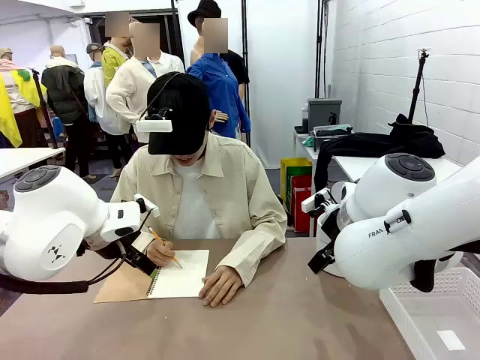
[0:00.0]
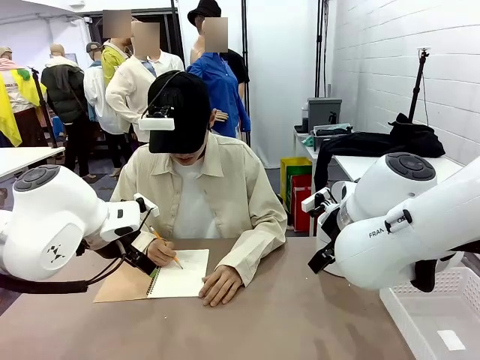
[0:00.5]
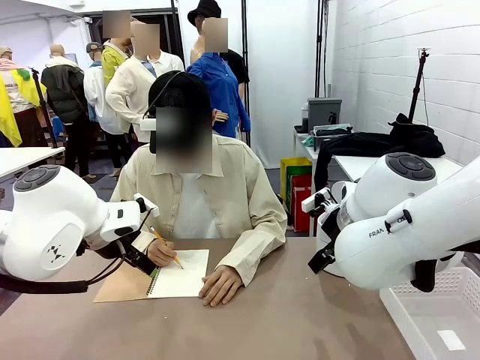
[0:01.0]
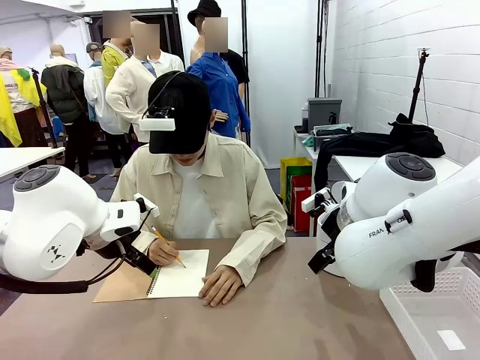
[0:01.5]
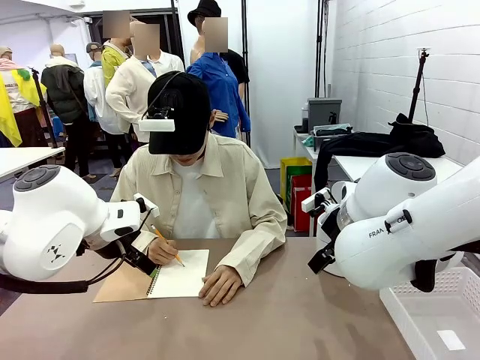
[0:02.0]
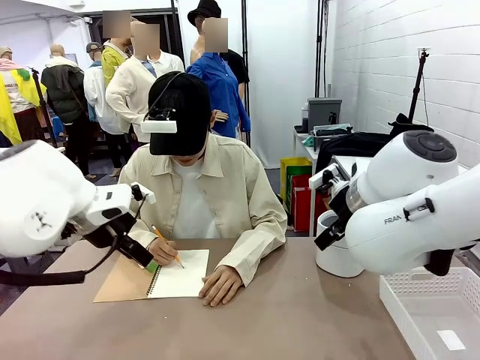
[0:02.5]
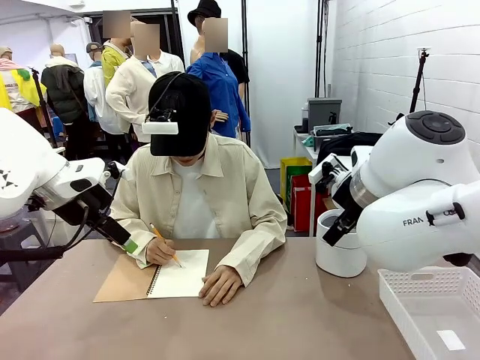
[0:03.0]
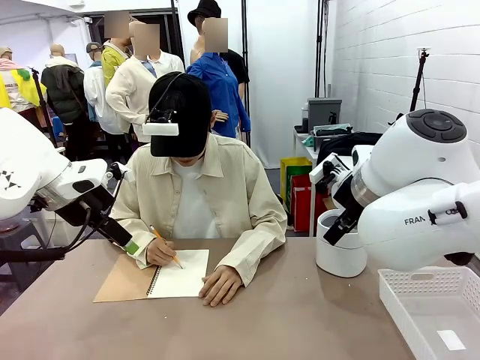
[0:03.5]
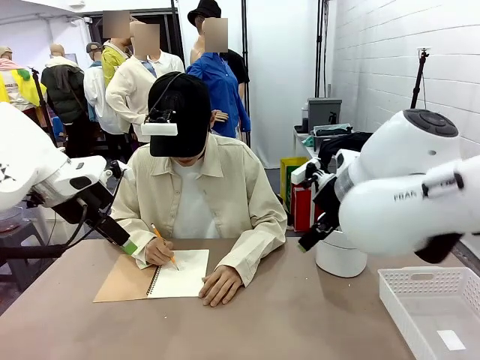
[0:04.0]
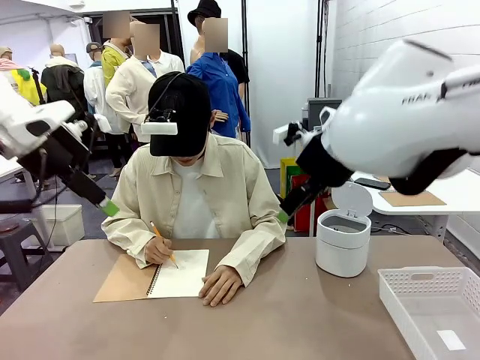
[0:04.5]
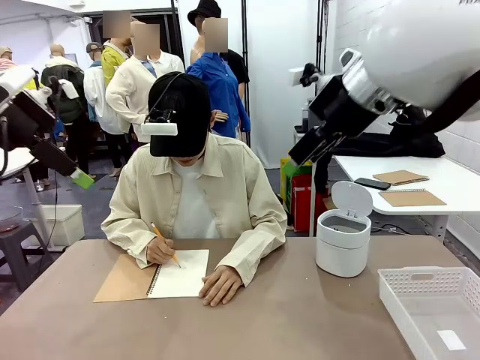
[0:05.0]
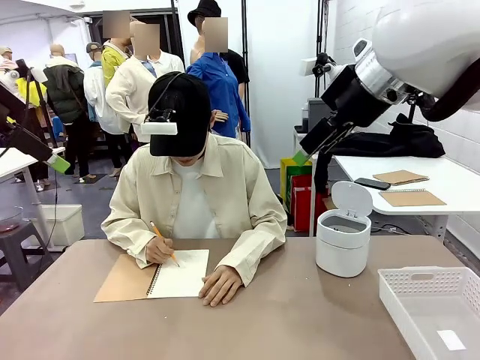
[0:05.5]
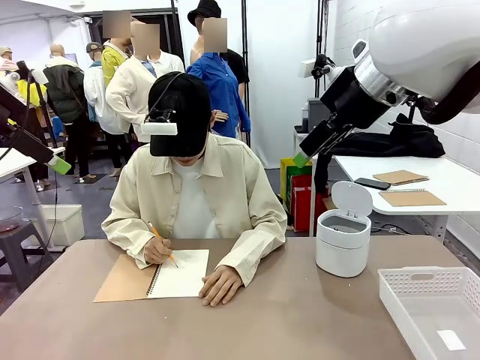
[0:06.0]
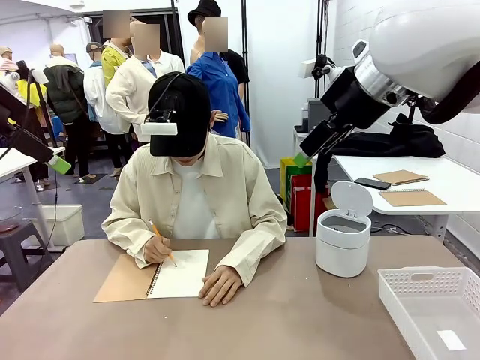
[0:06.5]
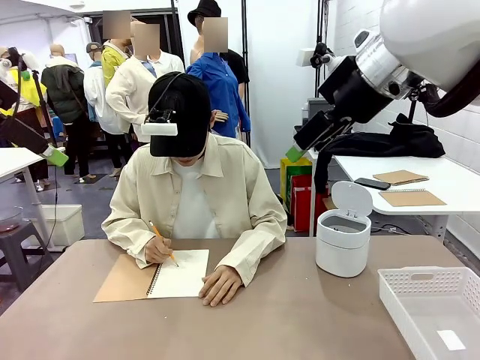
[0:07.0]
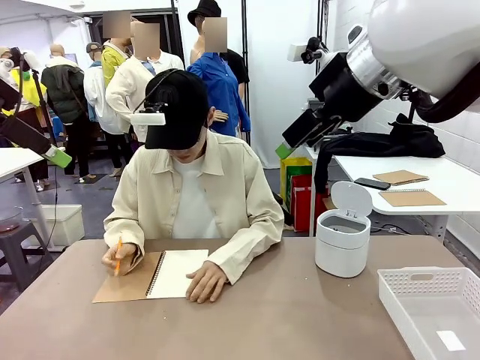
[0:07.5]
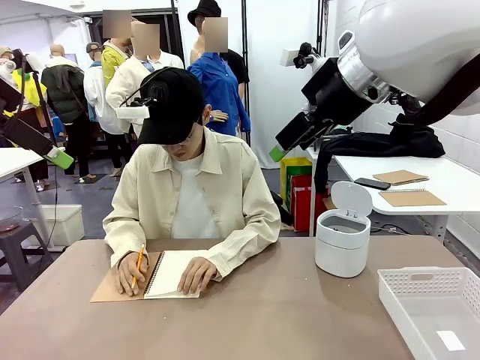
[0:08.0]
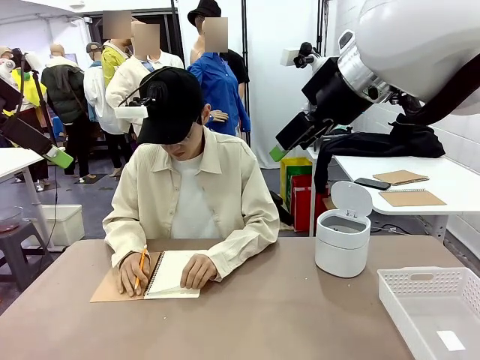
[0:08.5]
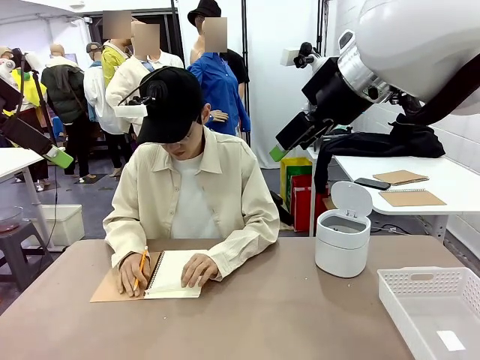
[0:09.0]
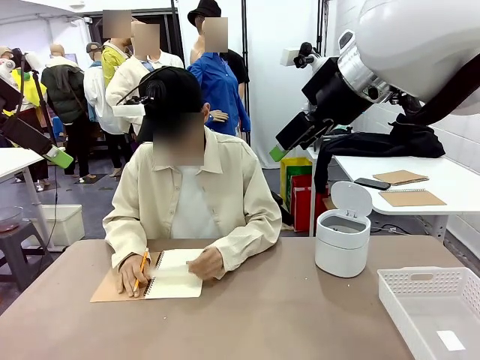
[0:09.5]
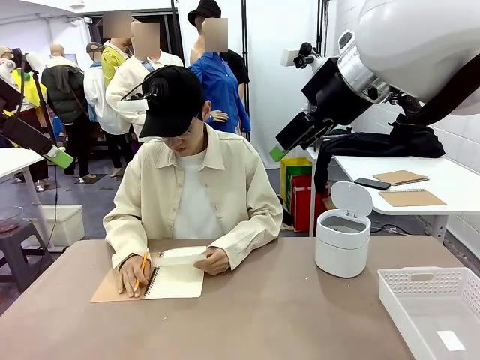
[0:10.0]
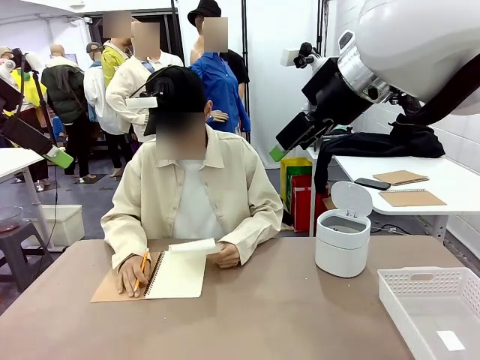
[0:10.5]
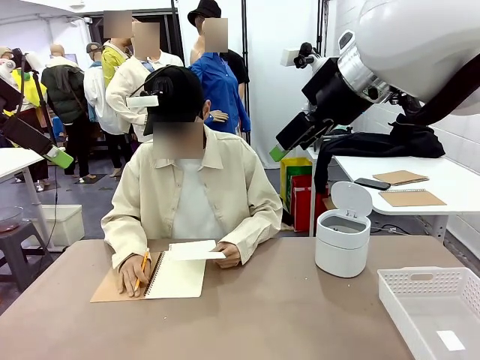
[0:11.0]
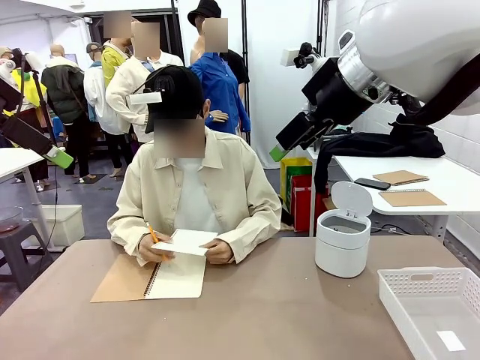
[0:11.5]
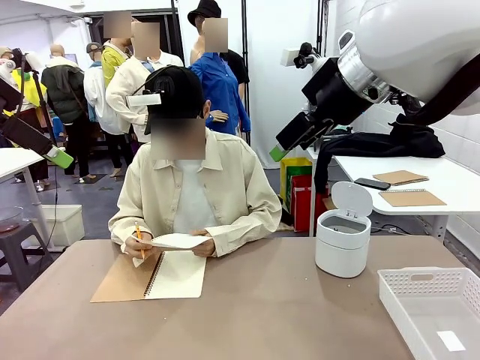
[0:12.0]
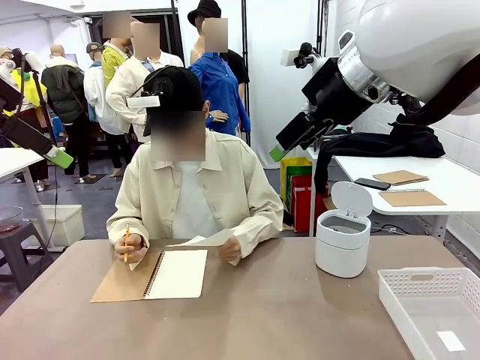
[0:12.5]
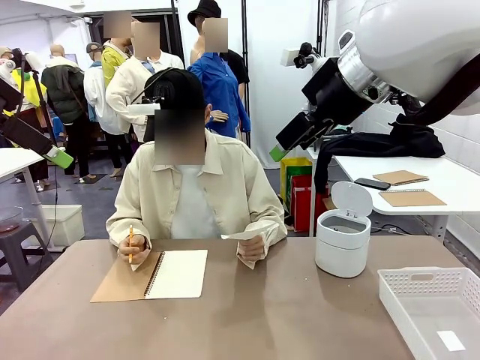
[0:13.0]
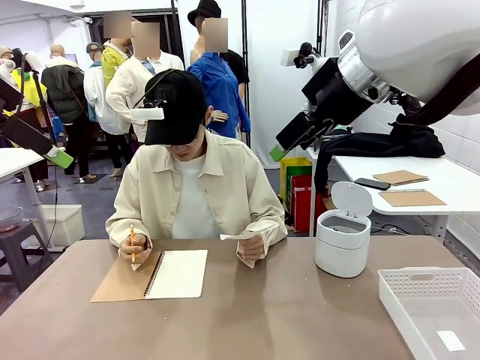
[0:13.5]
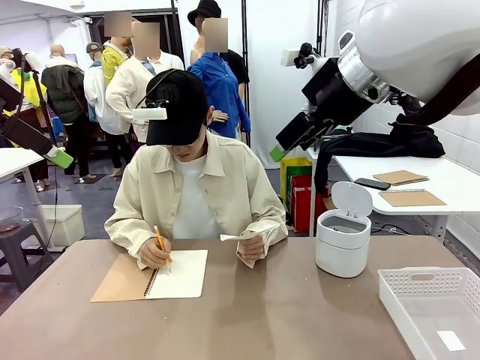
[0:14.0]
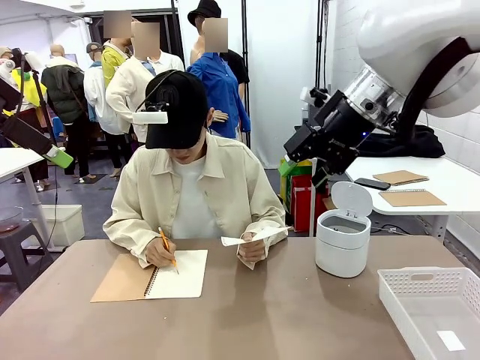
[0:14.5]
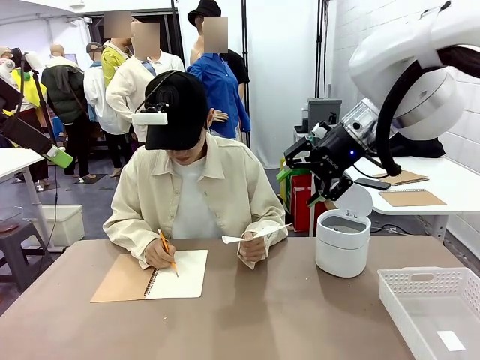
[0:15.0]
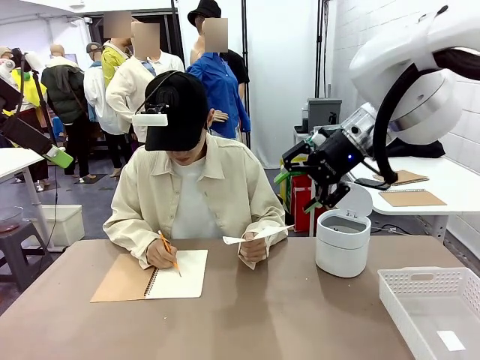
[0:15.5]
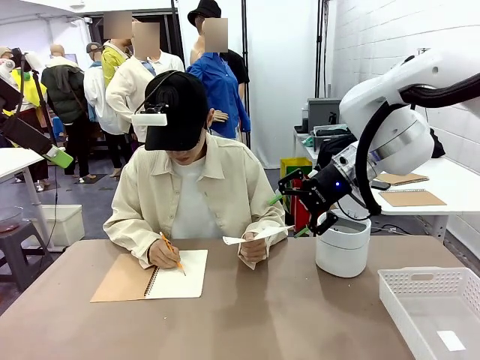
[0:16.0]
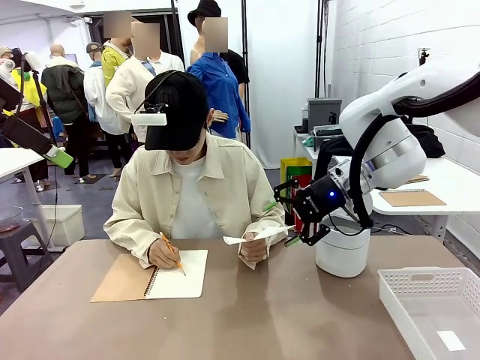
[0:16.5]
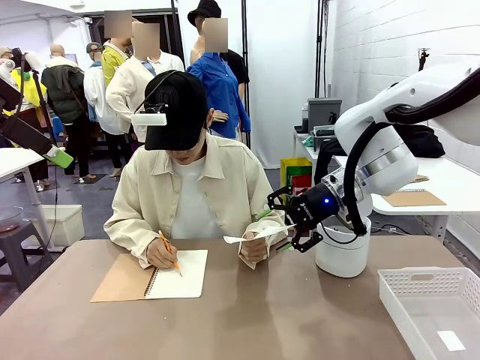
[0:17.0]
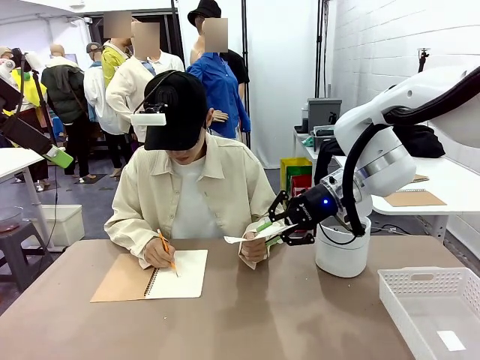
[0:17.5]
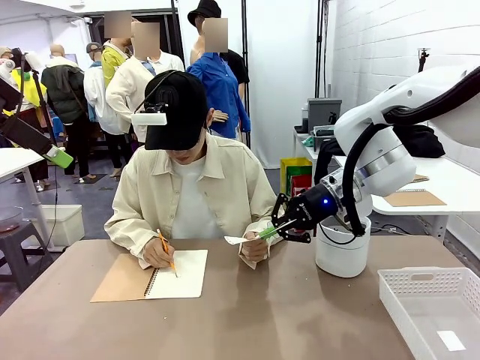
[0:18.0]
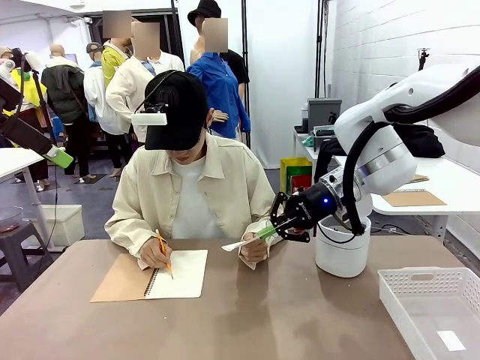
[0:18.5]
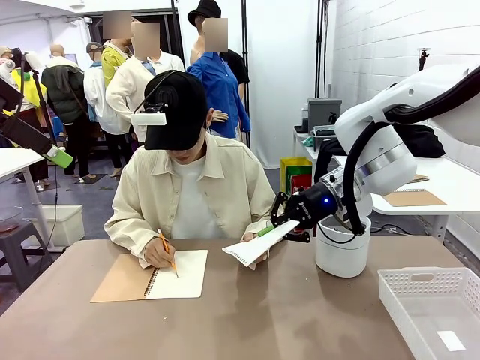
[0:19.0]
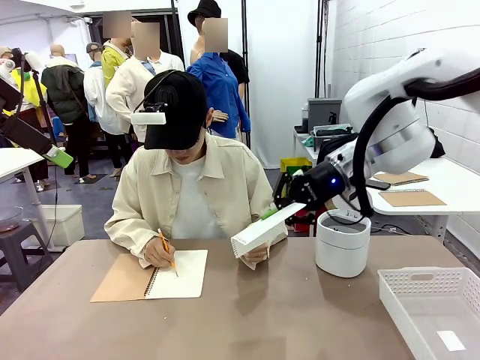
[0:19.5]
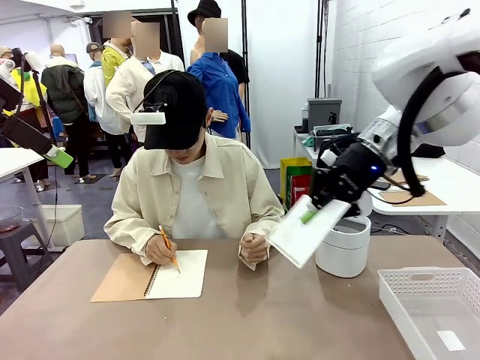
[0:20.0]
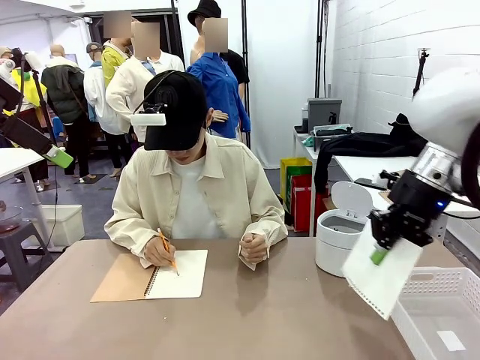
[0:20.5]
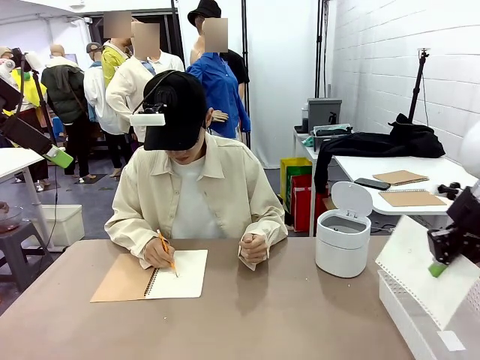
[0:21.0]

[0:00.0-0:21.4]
Task: Sort the paper based on its condition.
Robot: If a person hands you a paper, place it in the Organizing basket , and if it's crumpled, put it in the Trash can.
Person: Tear out a page from the spiral notebook. Hand the torn page to the robot or crumple it and throw it to the center of the table. Tear out a page from the spiral notebook.
